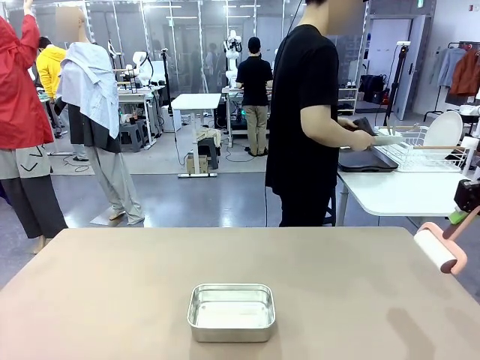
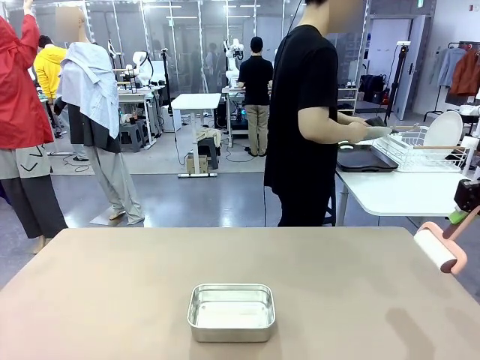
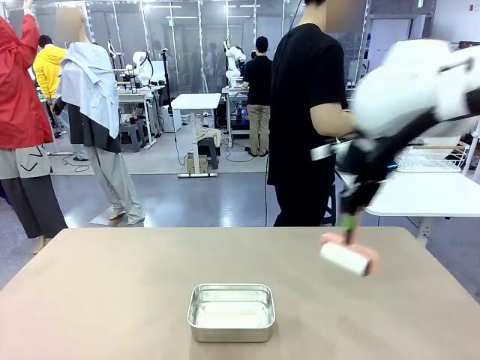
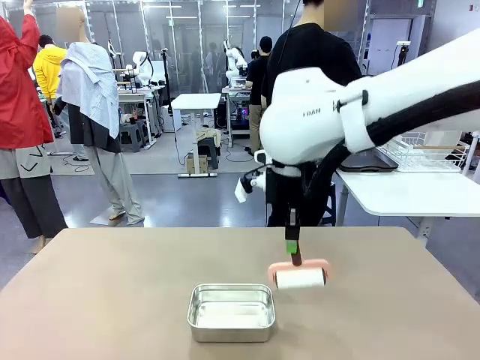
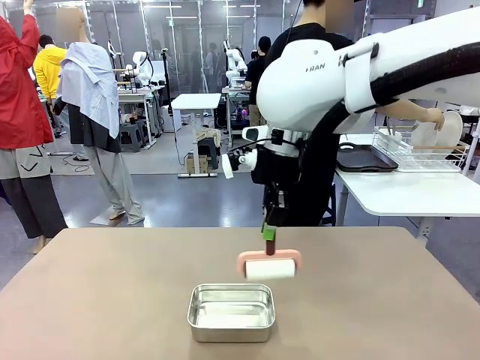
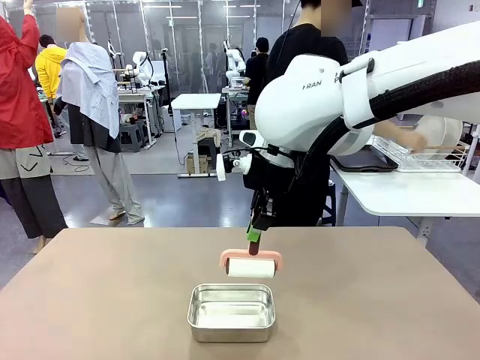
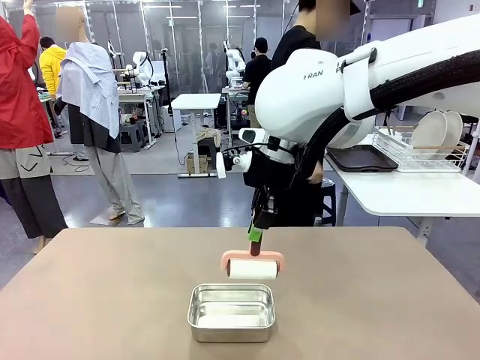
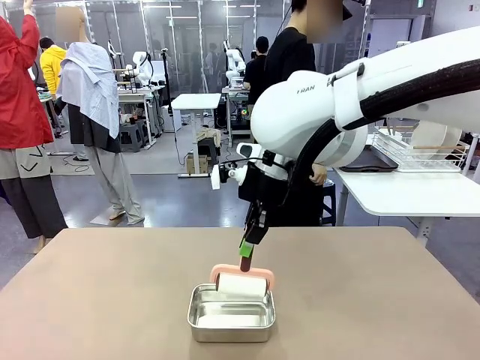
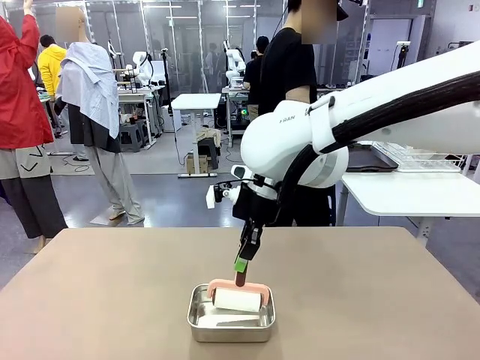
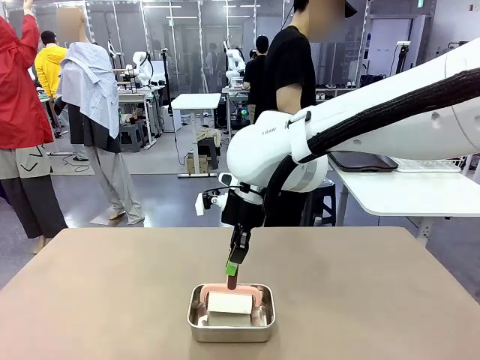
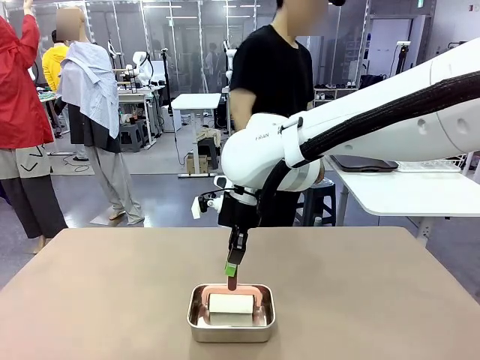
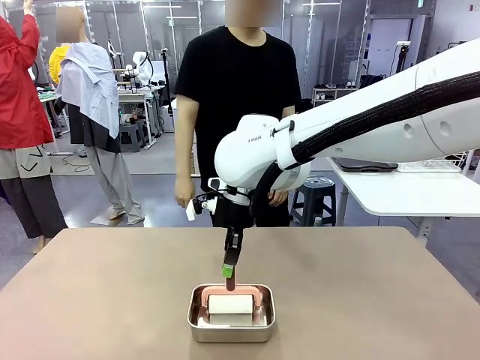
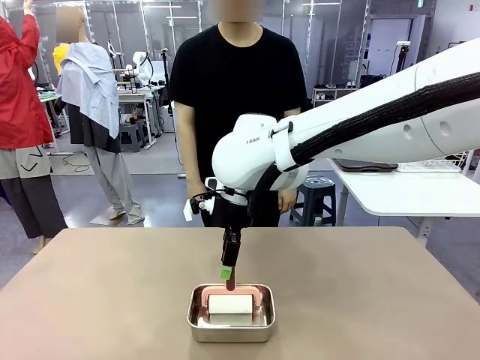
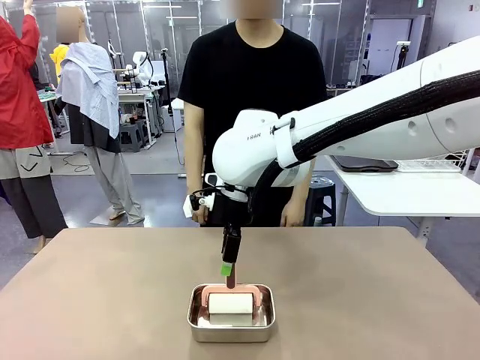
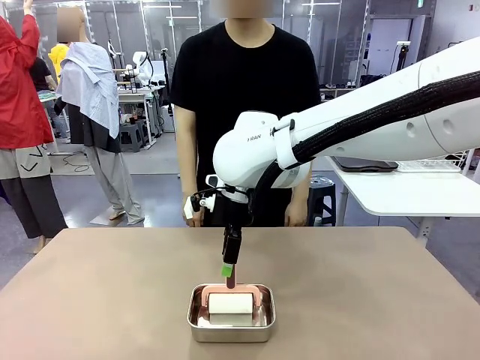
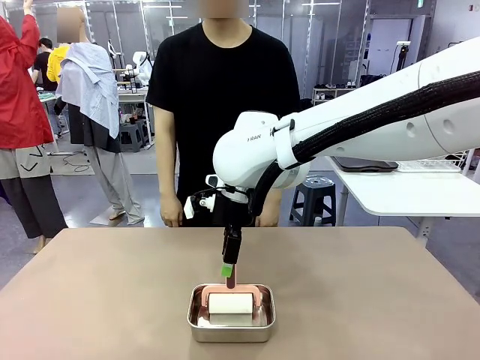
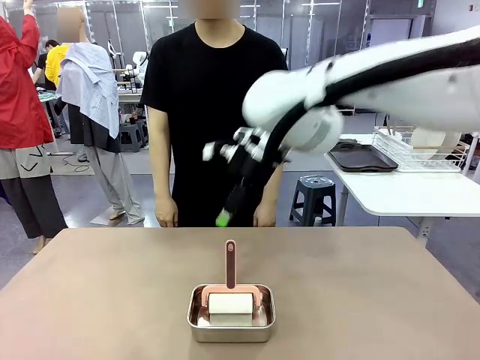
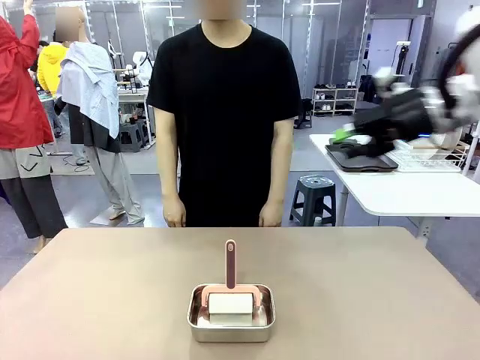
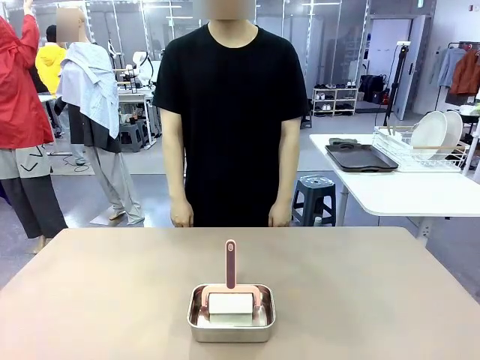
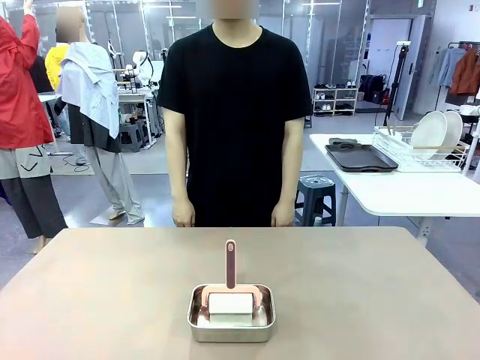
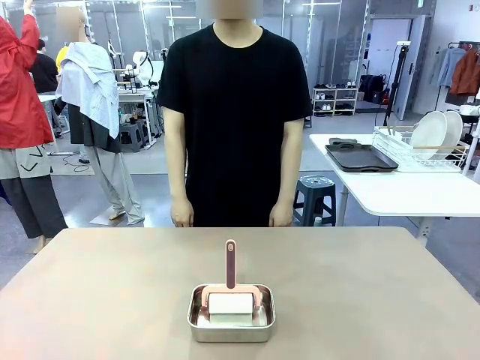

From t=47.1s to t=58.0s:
Robot: Place the Lint Roller back on top of the Airtight Container.

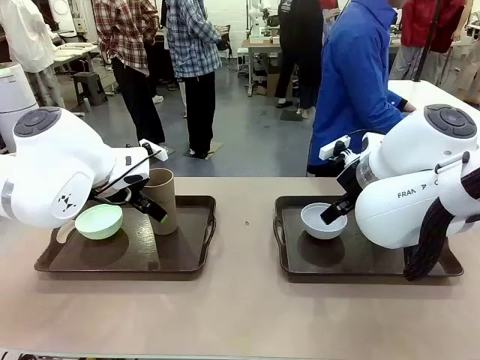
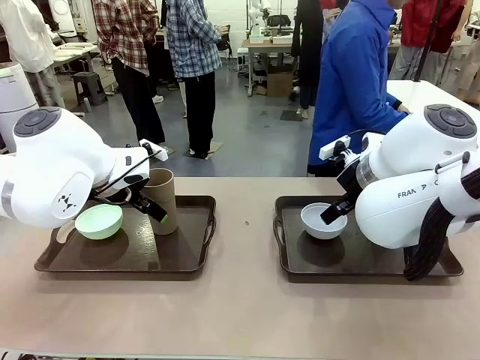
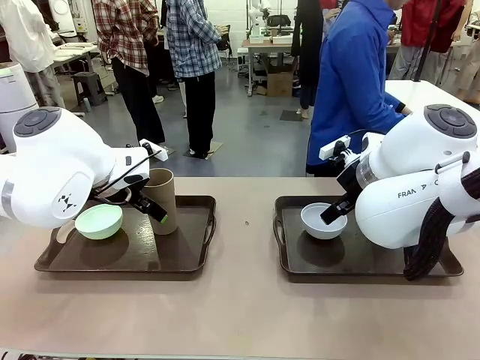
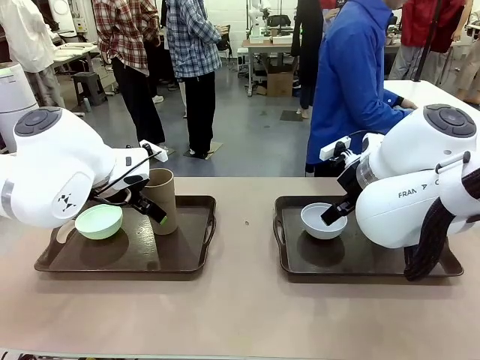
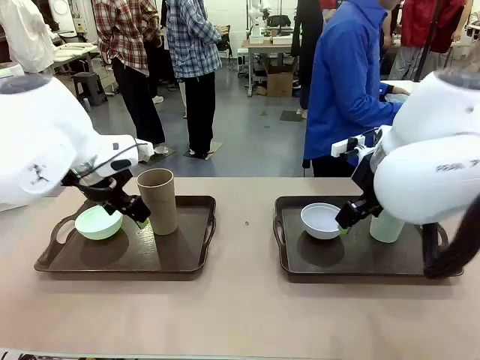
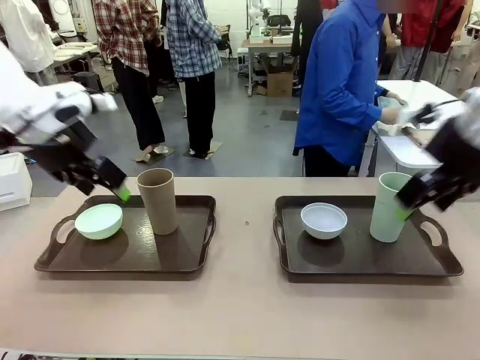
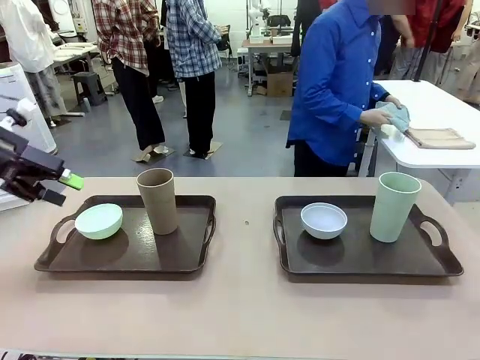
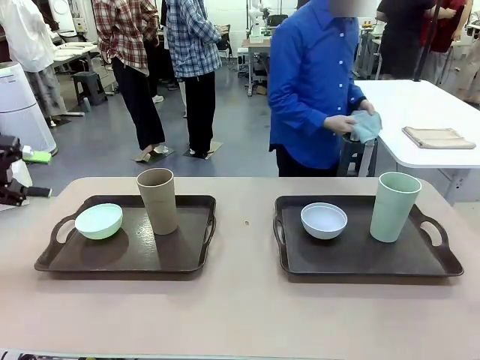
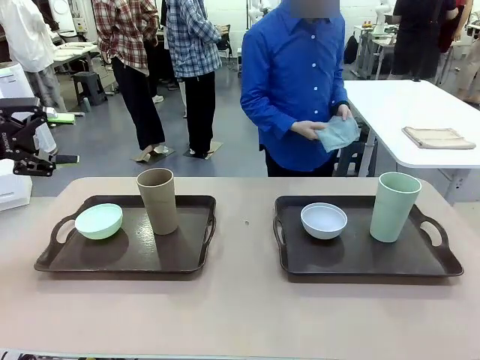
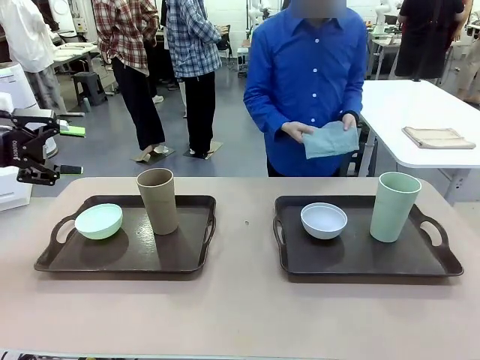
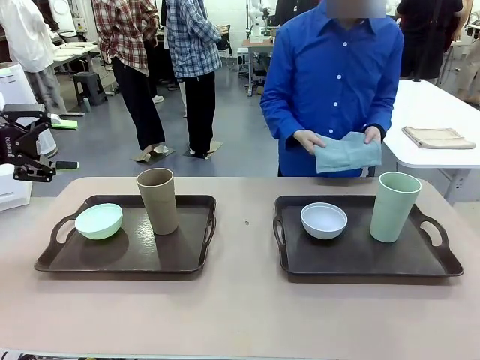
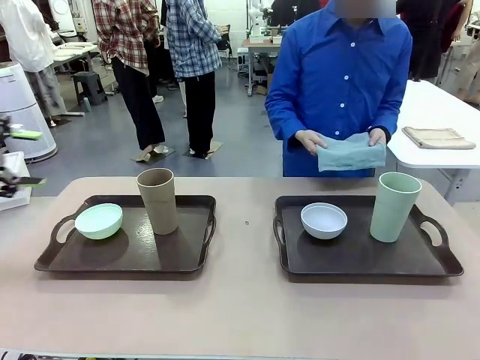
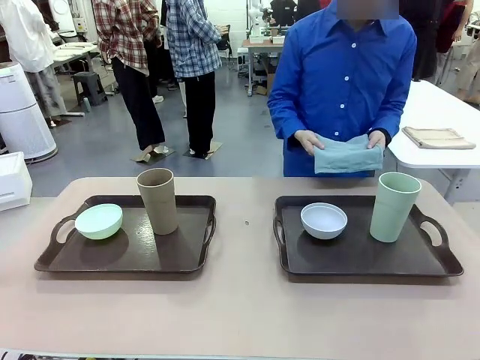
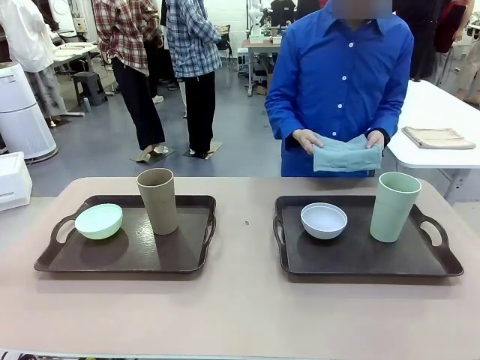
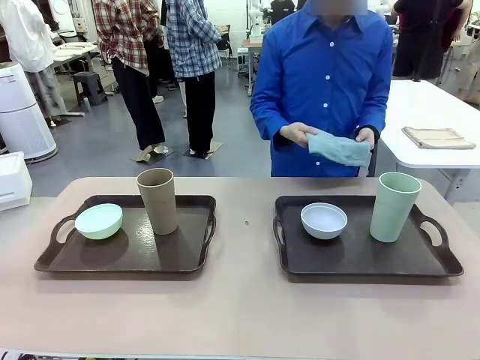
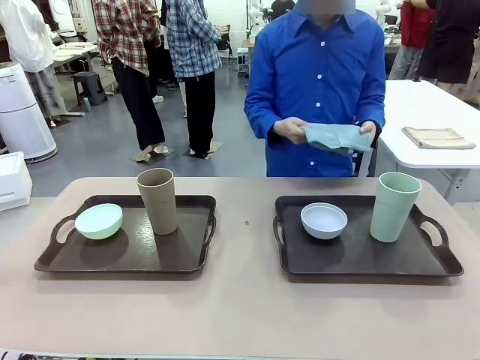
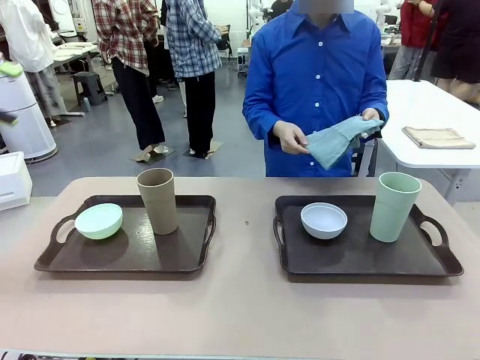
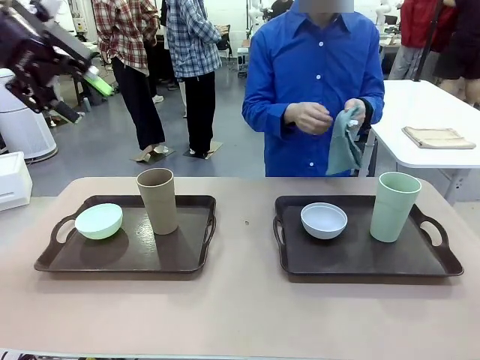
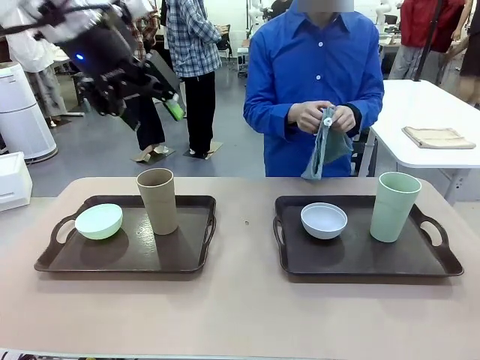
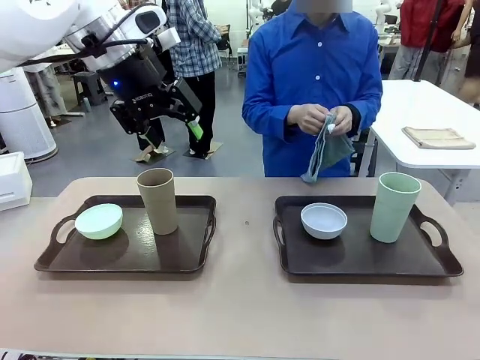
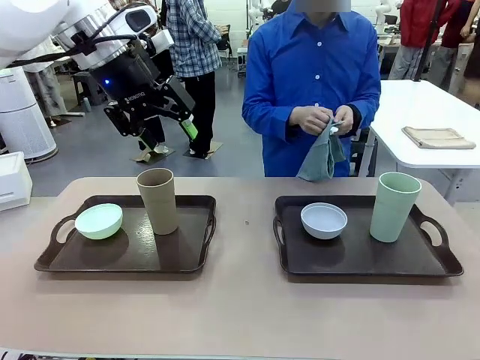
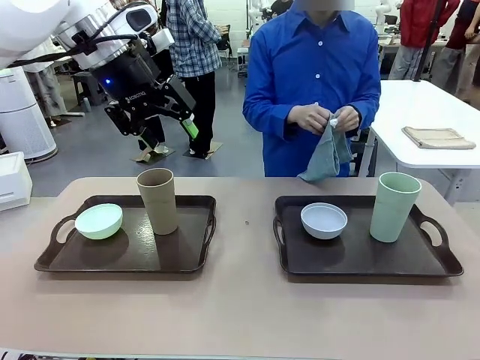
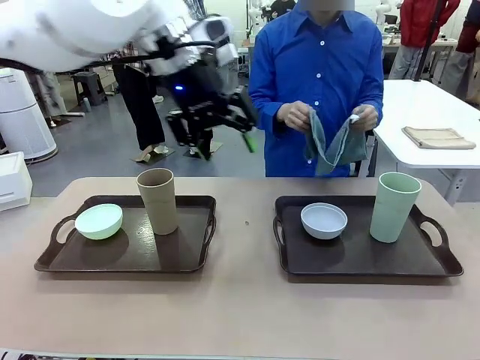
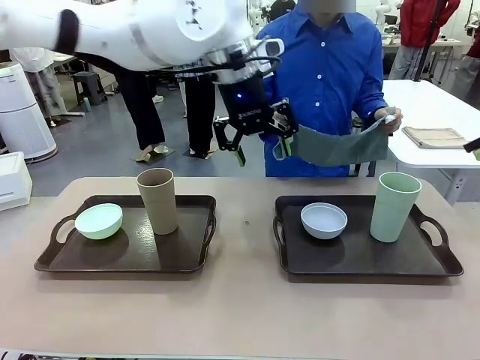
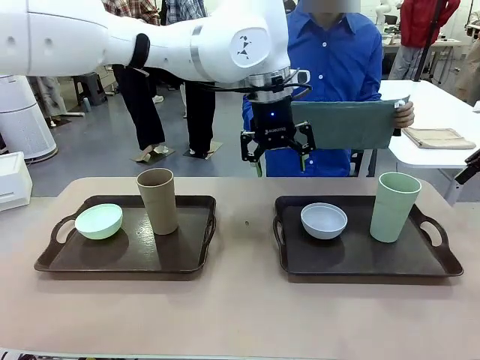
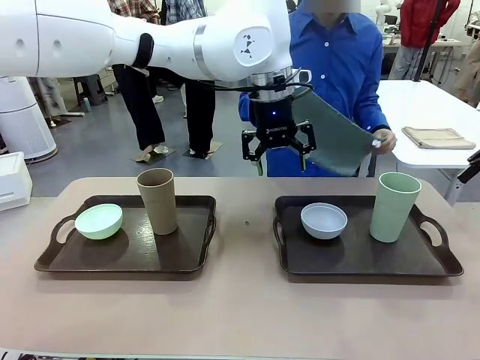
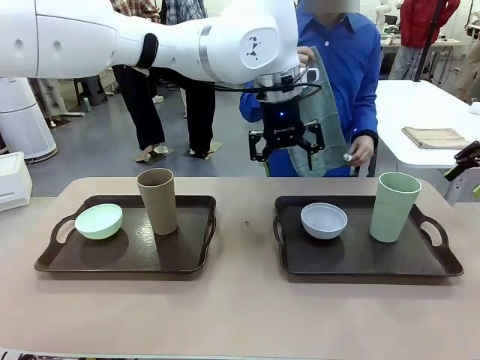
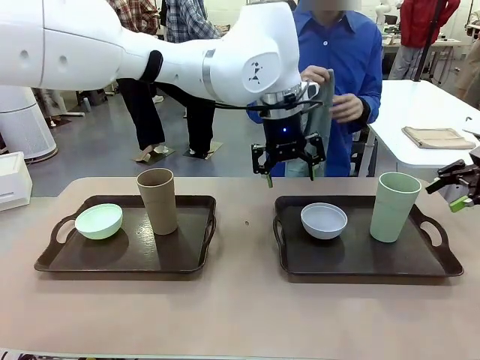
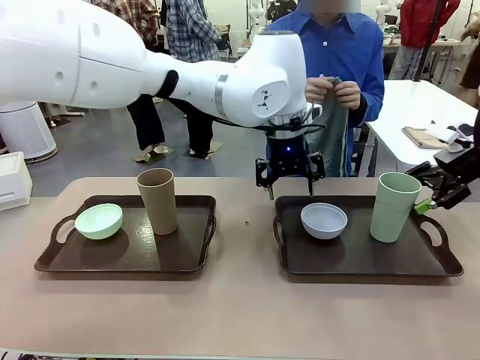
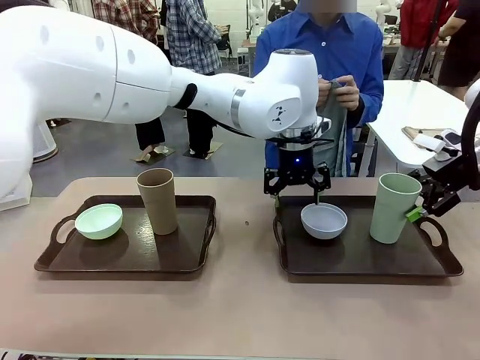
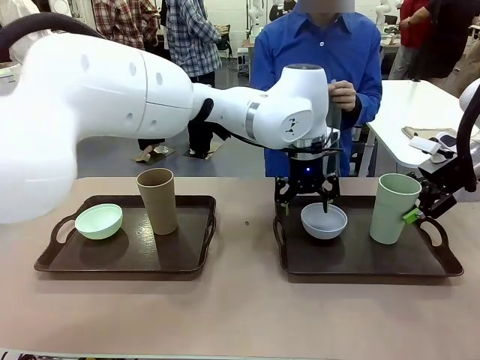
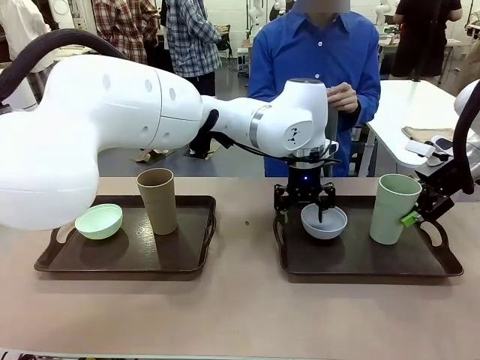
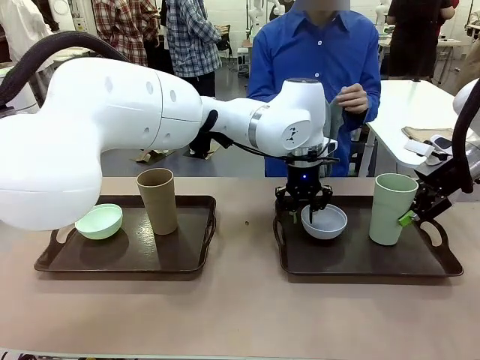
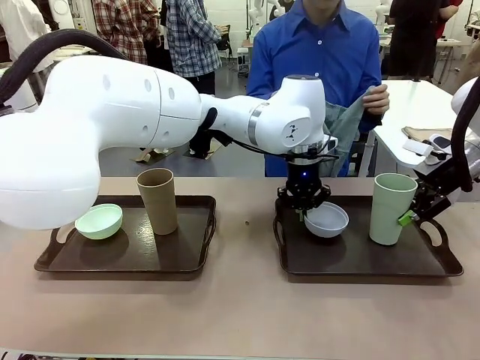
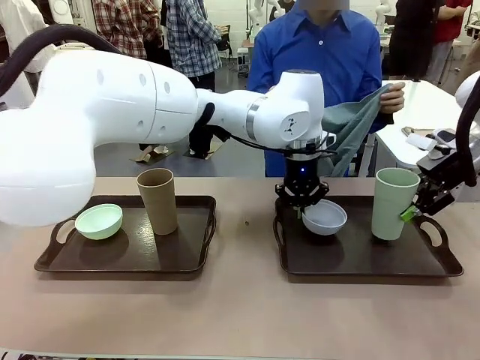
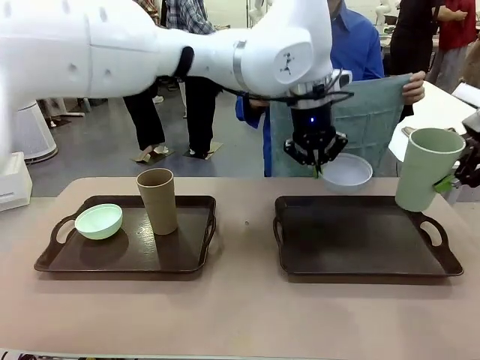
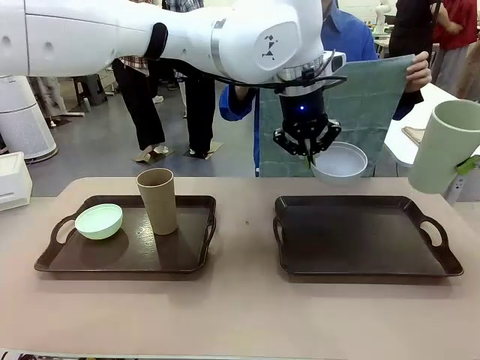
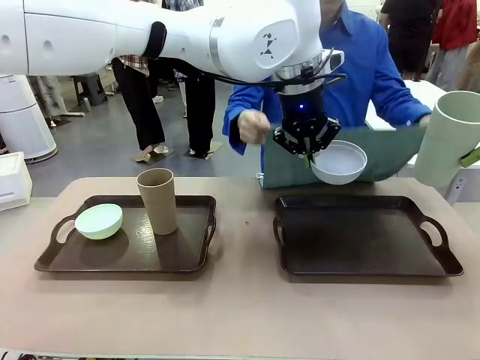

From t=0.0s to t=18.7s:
Robot: Pick up the Picnic Bowl and Reusable plastic cup from the Handle tray in front of the human's position and hold them in the air.
Person: The human picks up the top napkin from the stack on the human table and walks to the robot table to stand in front of one of the two trays. When the robot lifts the bowl and the cup, the human unfolds the napkin and lays the napkin flat on the tray.
